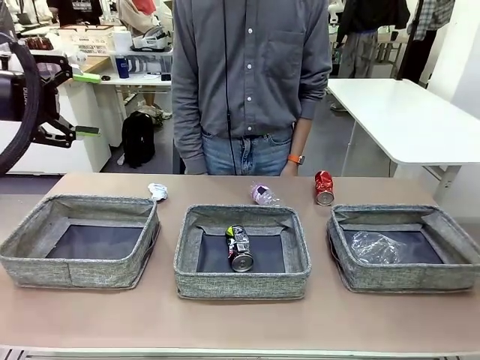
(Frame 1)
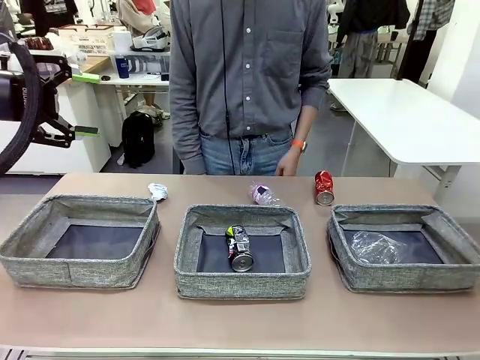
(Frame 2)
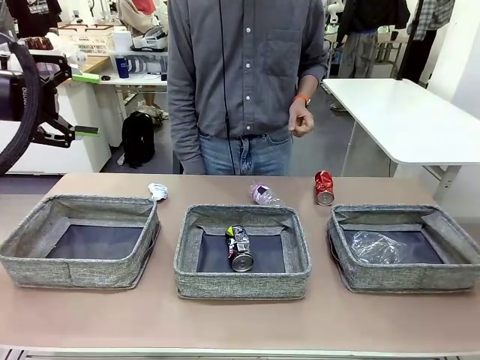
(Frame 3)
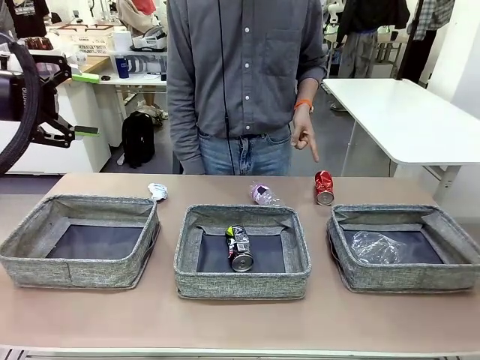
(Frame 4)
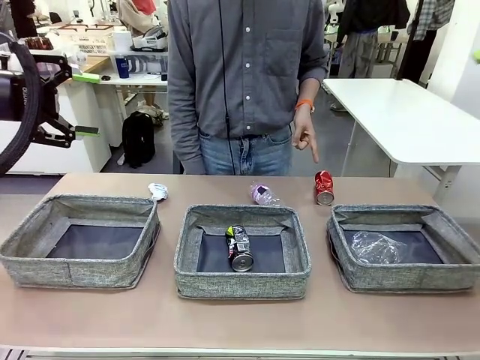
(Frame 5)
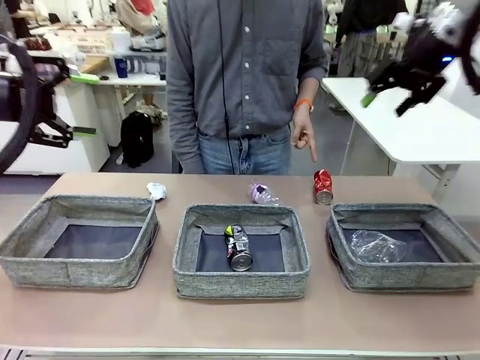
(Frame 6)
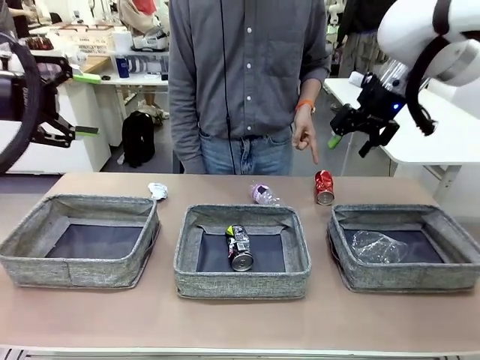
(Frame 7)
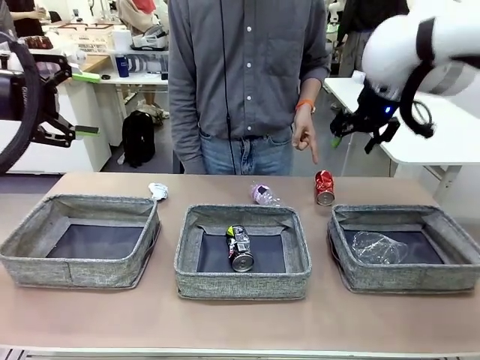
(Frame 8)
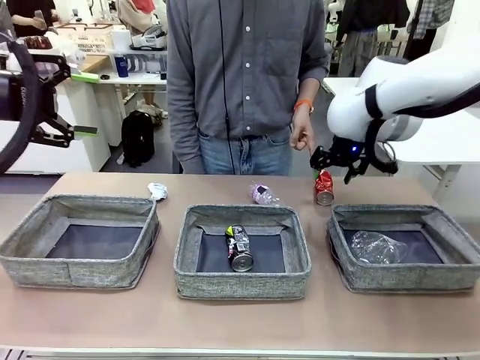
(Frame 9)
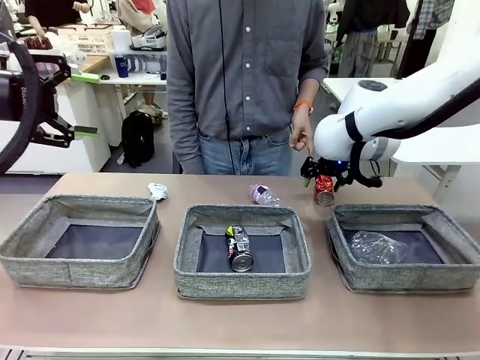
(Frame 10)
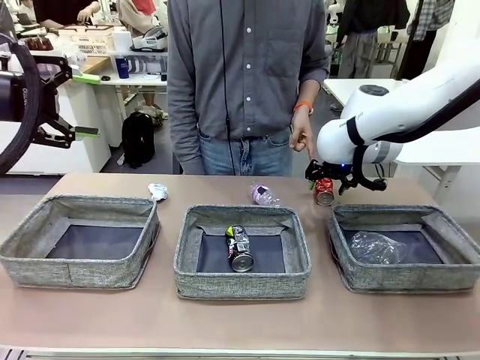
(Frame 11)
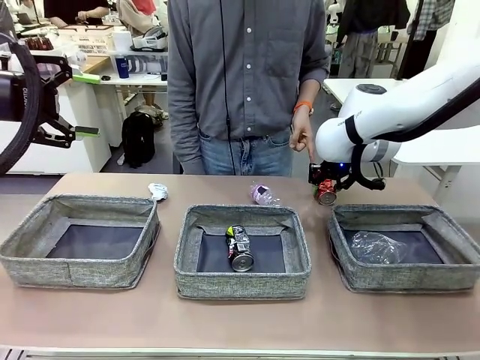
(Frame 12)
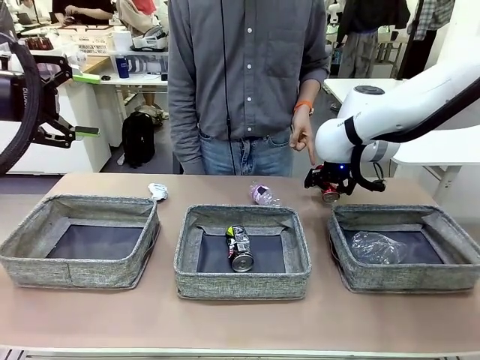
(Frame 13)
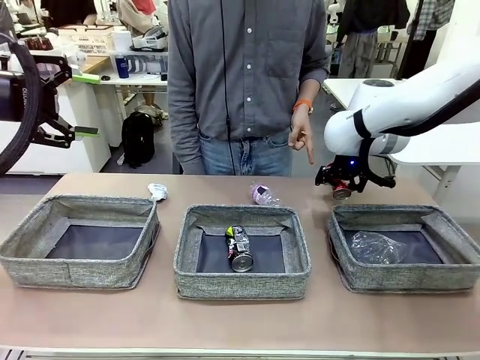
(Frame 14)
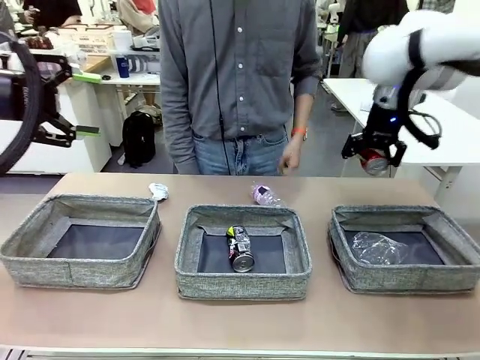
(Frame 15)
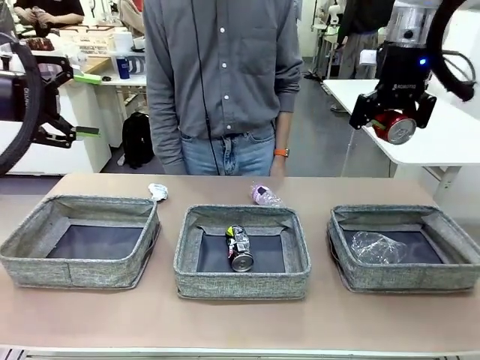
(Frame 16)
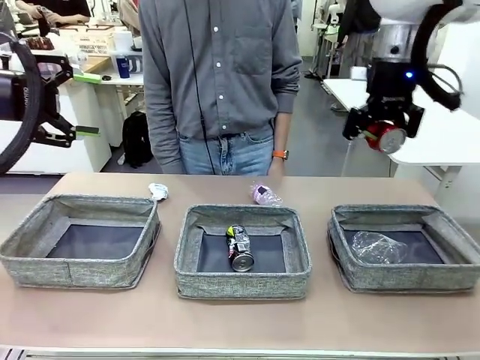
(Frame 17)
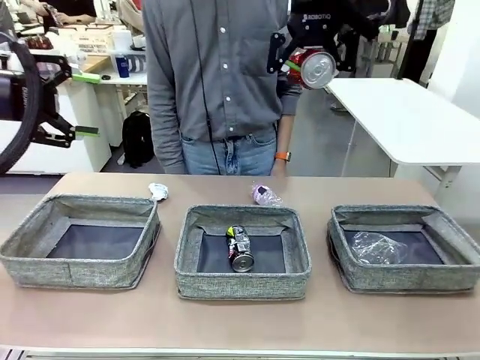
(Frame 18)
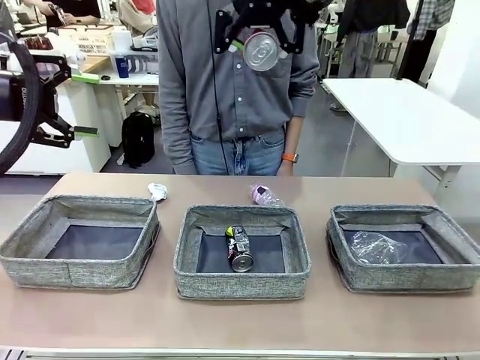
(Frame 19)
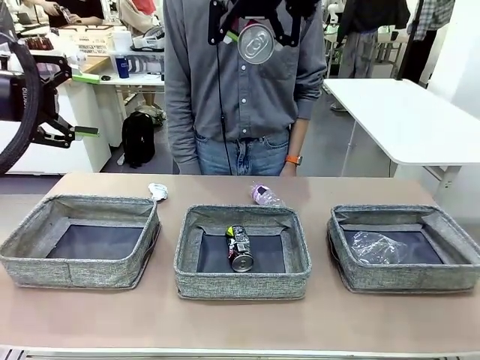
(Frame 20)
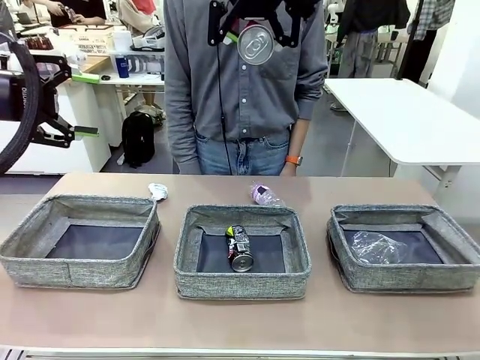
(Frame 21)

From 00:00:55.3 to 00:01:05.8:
Task: Sort the waste into the appropriate baskets.
Robot: Pick up the waste item pointed out by the person.
Person: Points to one piece of trash on the table.

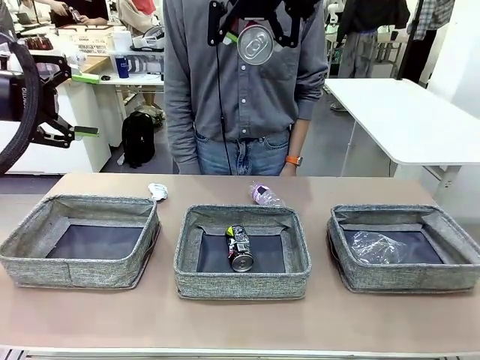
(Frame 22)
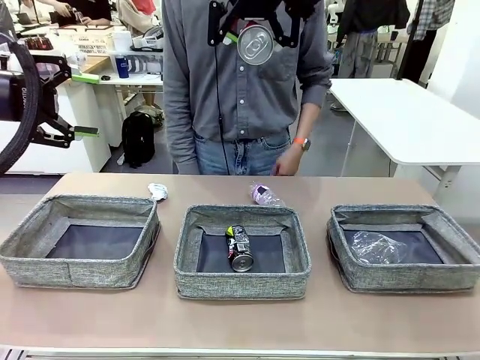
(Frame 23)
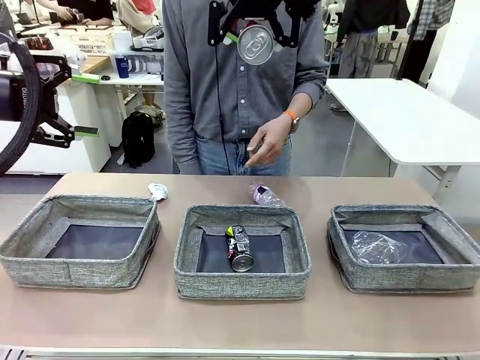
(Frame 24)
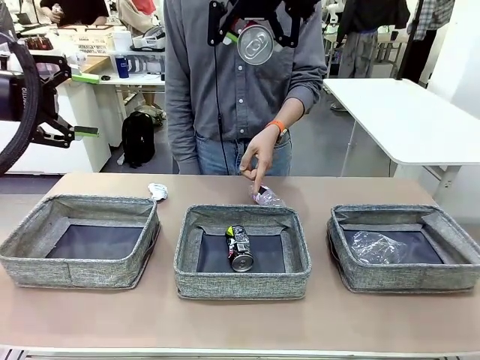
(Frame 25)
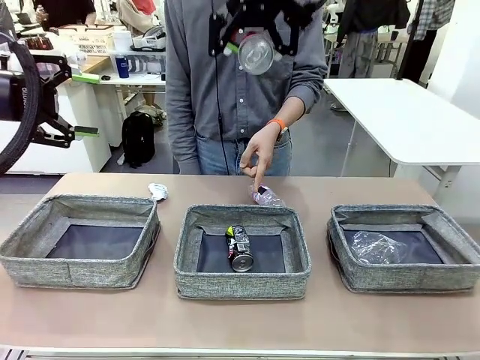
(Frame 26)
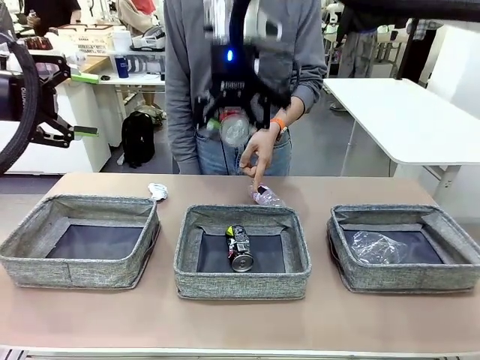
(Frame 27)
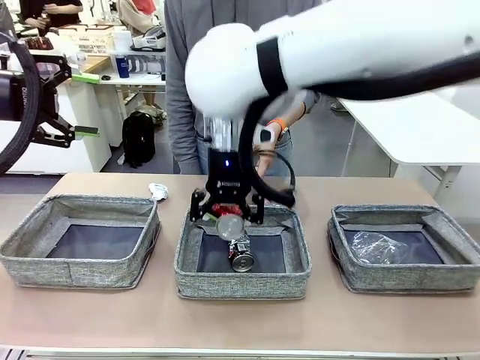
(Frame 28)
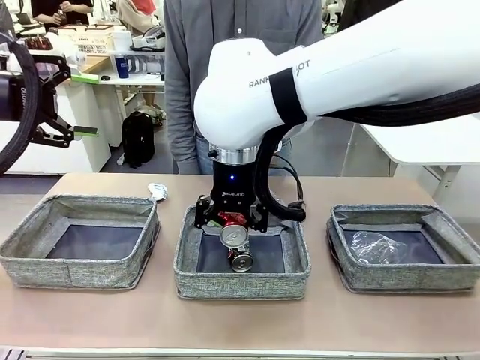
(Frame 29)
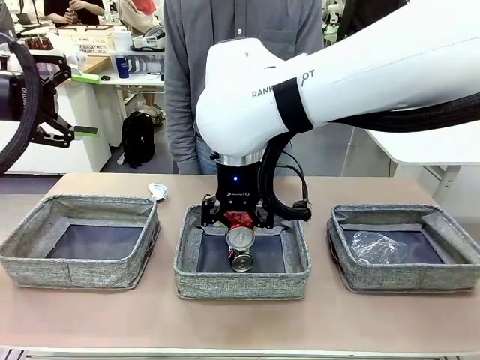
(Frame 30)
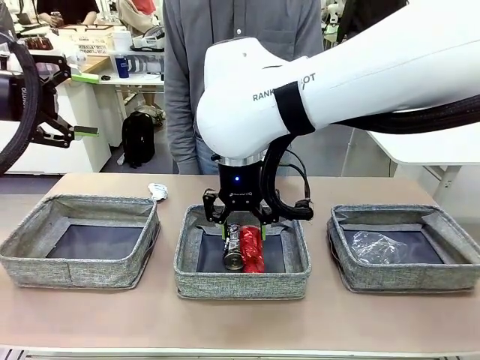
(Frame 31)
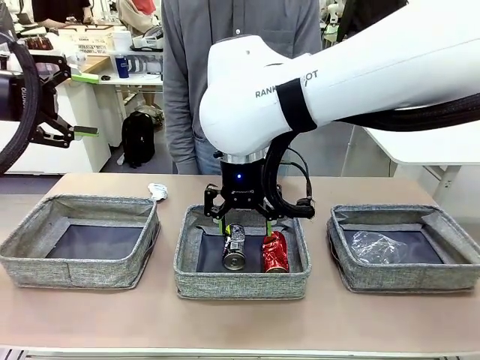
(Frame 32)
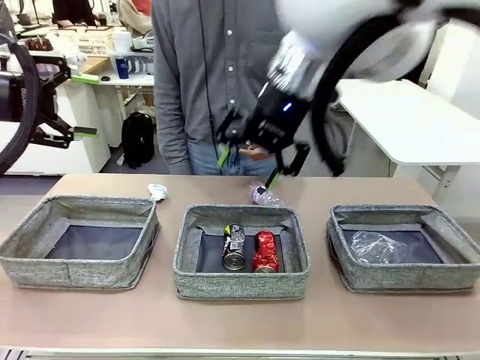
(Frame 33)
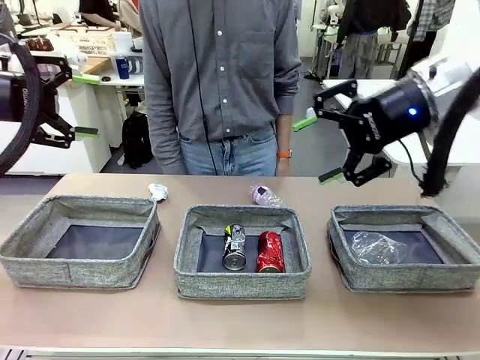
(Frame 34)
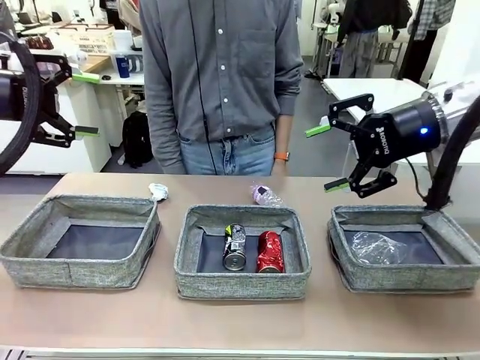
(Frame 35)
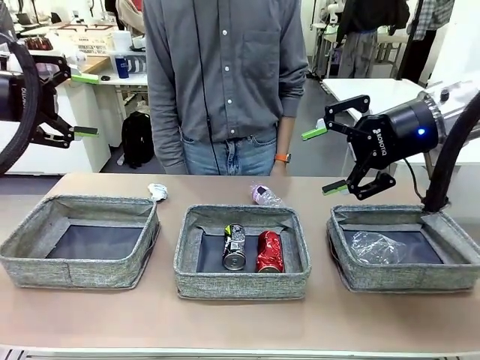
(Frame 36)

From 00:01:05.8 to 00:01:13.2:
Robot: Place the picked waste into the Fabric basket indicated by the person.
Person: Instructs the robot to place the picked-up trash into the appropriate organizing basket.

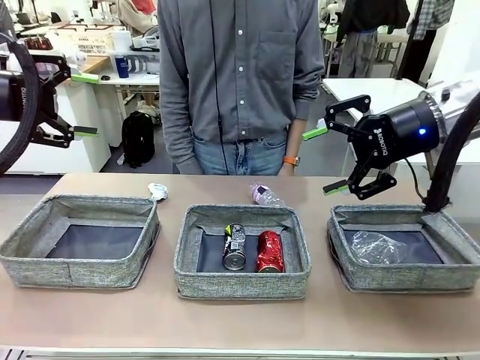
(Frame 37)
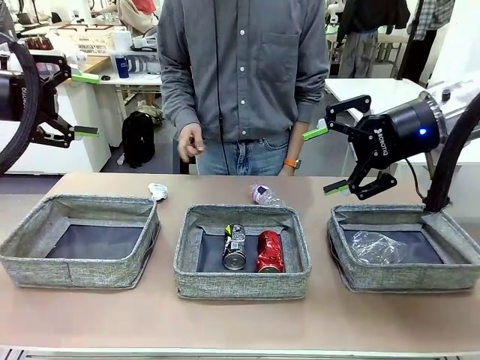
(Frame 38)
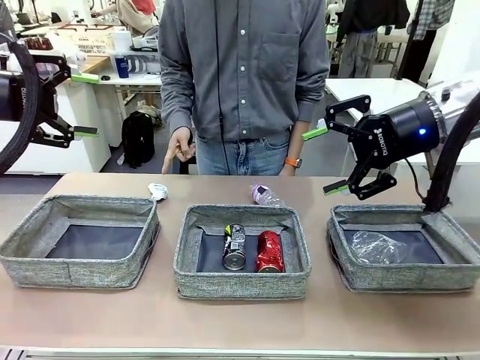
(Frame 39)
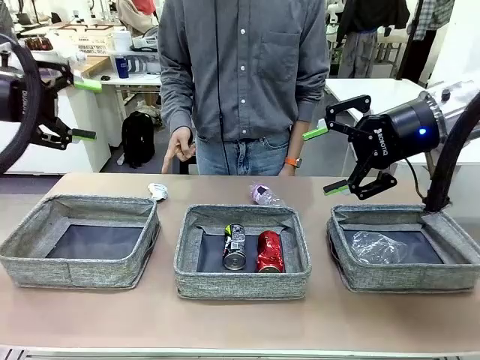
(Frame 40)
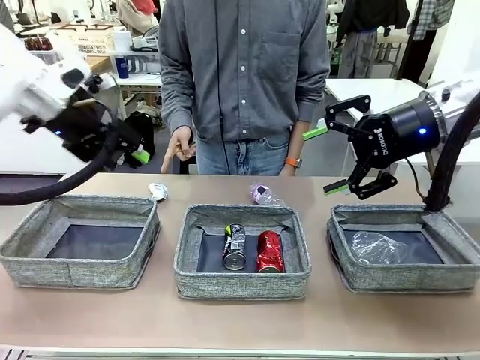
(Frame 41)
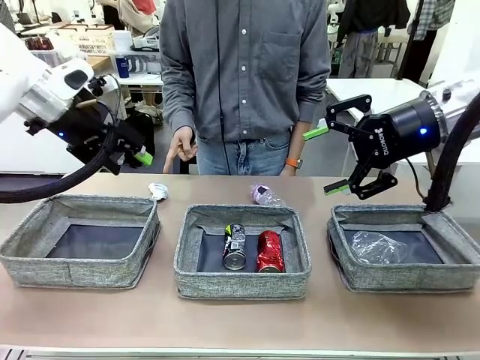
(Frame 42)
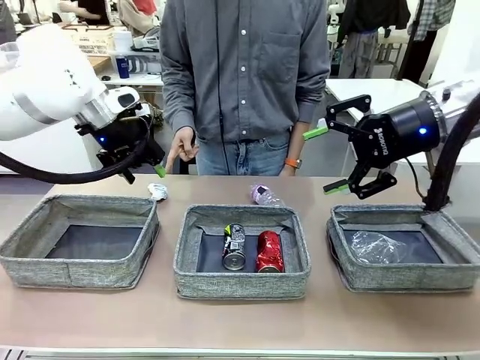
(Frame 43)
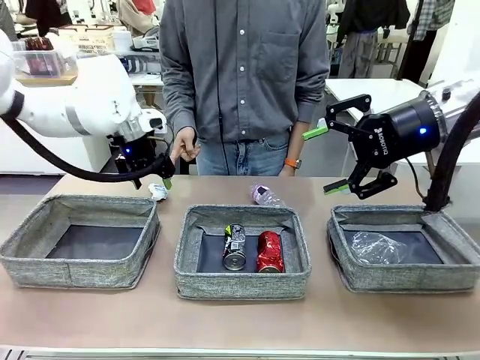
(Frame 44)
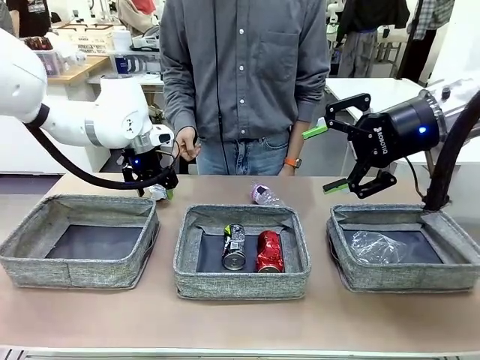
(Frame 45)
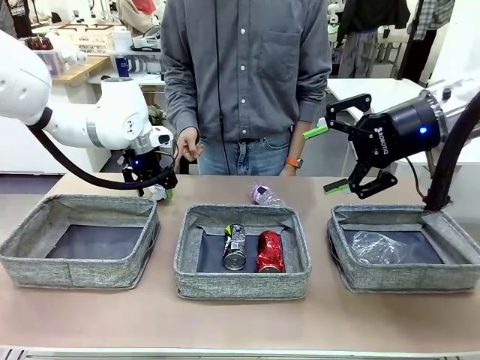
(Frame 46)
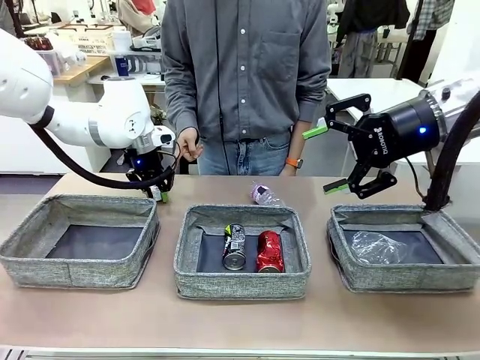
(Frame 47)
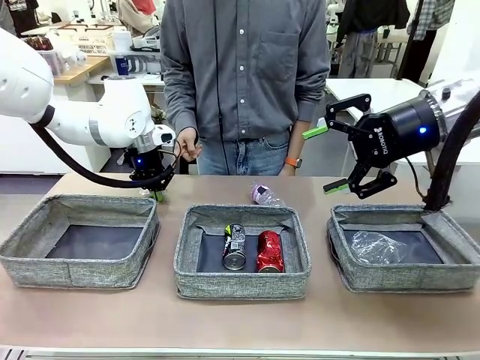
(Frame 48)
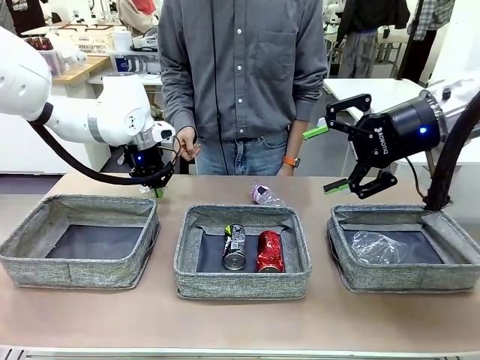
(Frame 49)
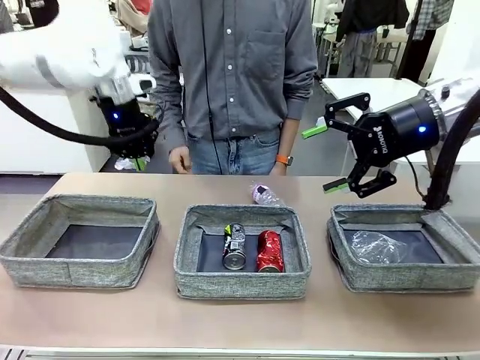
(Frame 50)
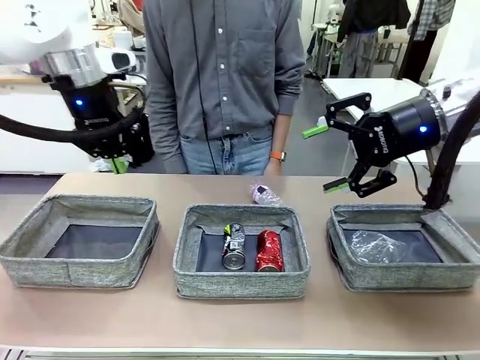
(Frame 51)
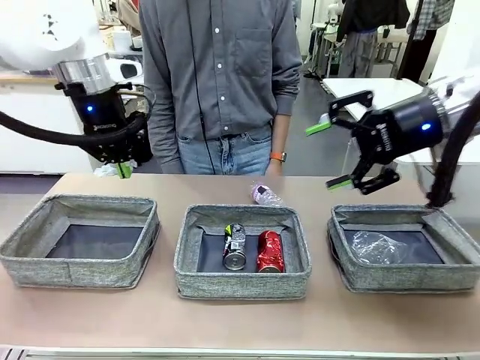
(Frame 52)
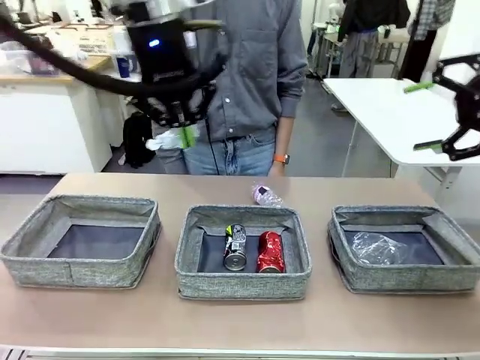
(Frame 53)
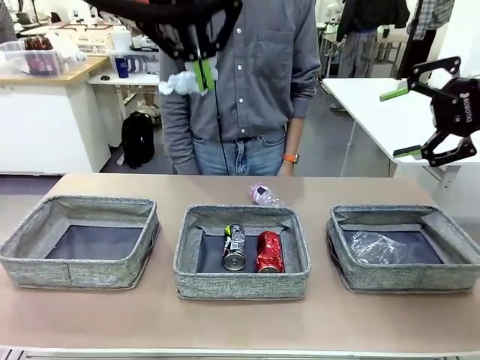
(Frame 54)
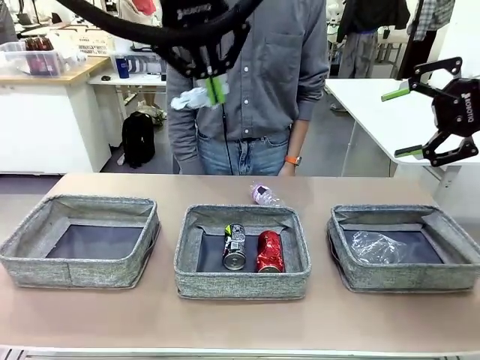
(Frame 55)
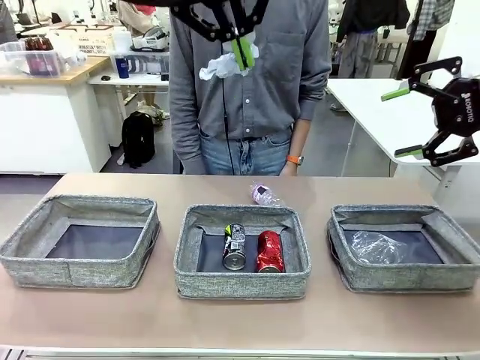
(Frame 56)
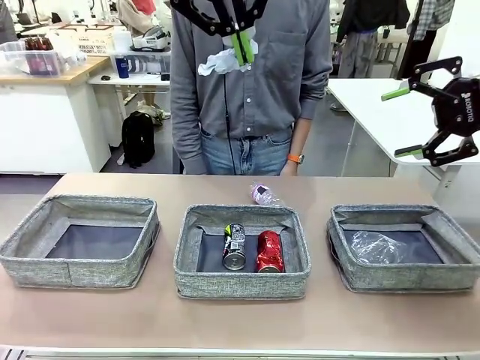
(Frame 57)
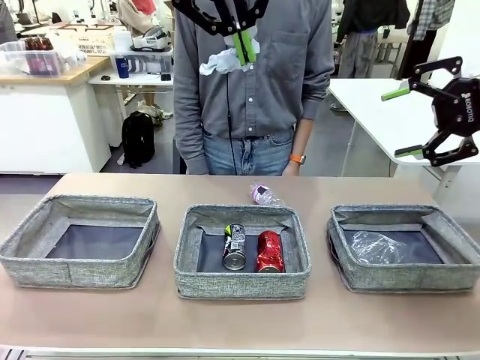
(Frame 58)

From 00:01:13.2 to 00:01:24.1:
Robot: Pick up the waste item pointed out by the person.
Person: Points to one piece of trash on the table.
